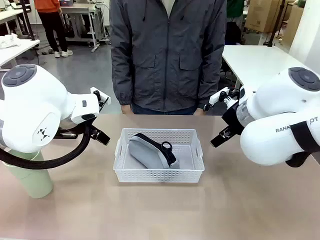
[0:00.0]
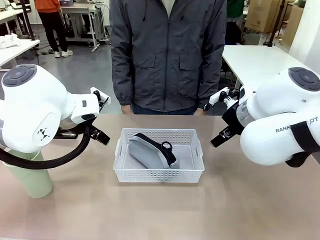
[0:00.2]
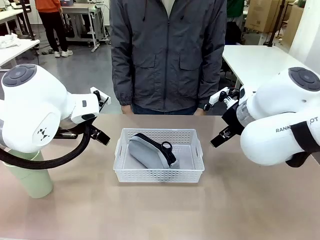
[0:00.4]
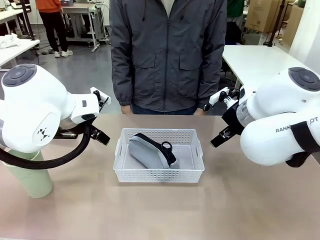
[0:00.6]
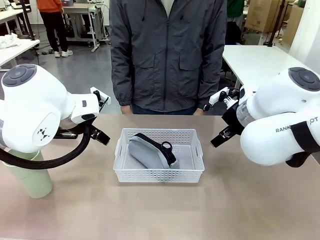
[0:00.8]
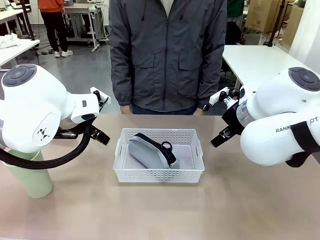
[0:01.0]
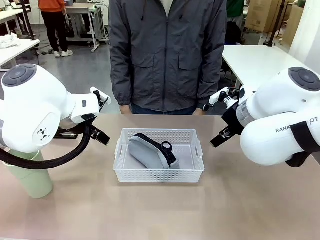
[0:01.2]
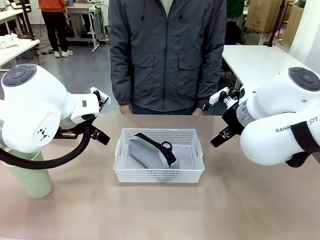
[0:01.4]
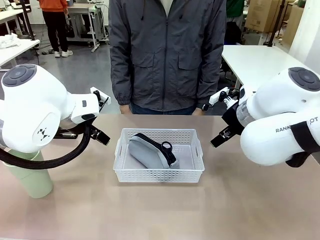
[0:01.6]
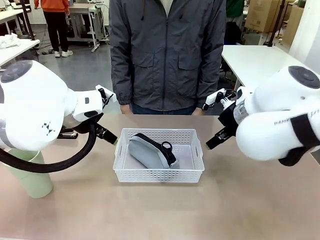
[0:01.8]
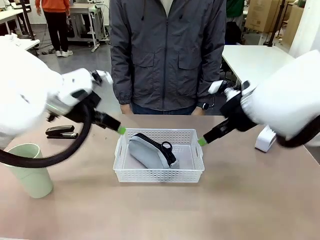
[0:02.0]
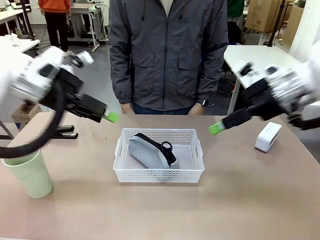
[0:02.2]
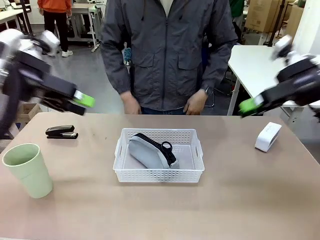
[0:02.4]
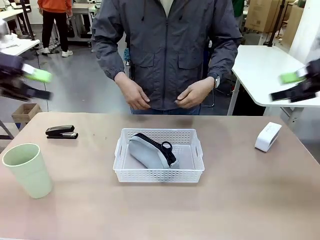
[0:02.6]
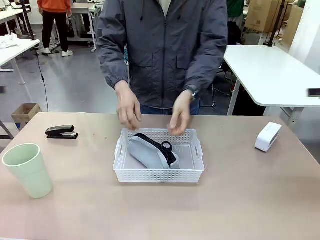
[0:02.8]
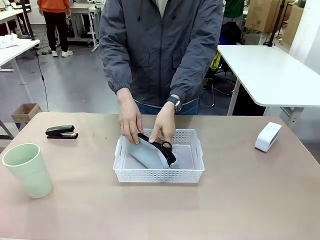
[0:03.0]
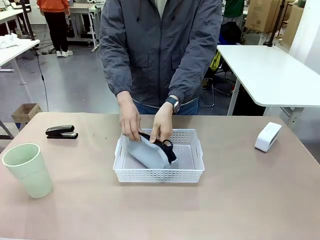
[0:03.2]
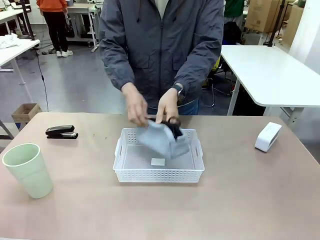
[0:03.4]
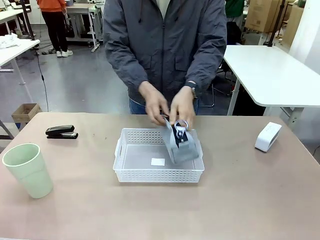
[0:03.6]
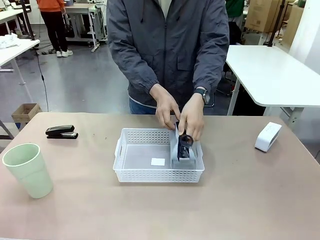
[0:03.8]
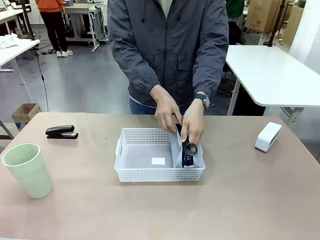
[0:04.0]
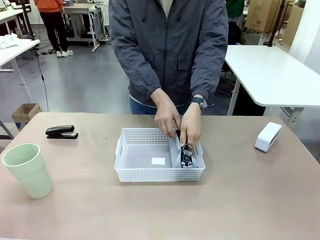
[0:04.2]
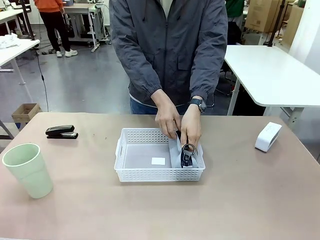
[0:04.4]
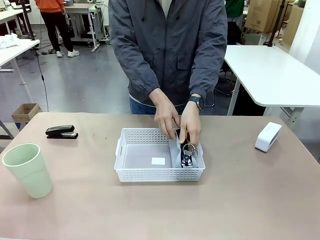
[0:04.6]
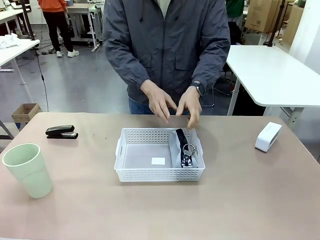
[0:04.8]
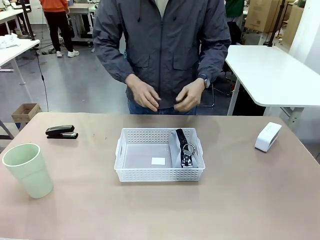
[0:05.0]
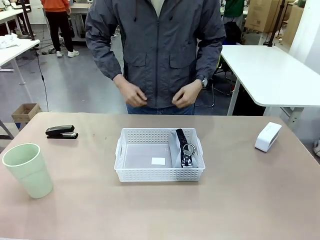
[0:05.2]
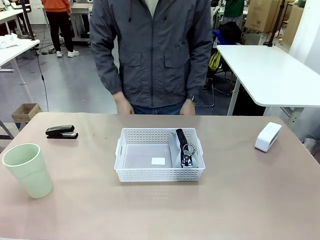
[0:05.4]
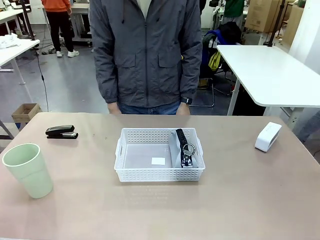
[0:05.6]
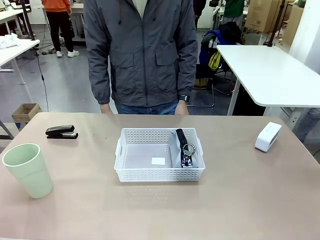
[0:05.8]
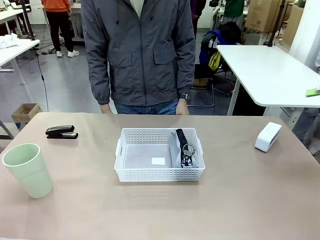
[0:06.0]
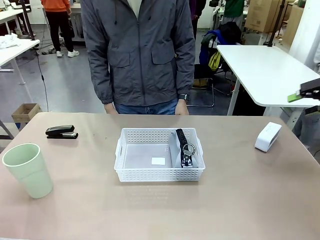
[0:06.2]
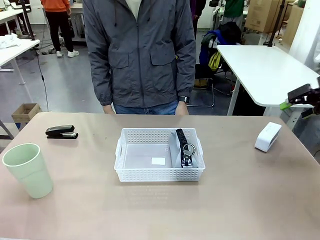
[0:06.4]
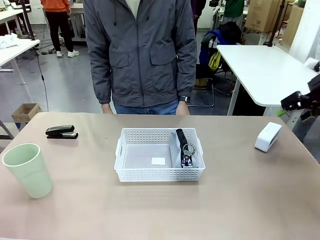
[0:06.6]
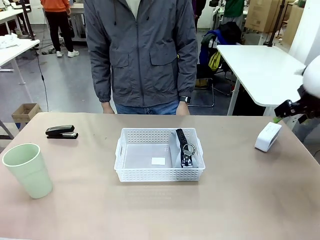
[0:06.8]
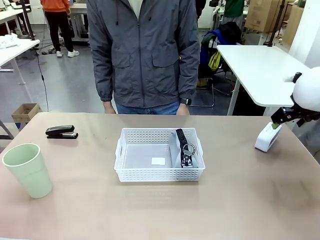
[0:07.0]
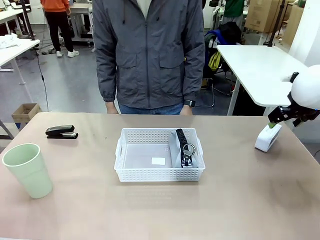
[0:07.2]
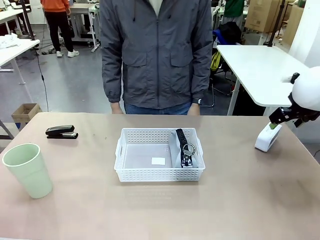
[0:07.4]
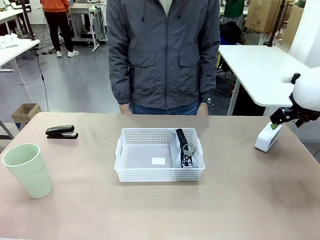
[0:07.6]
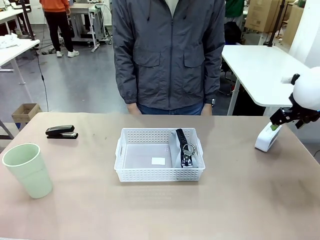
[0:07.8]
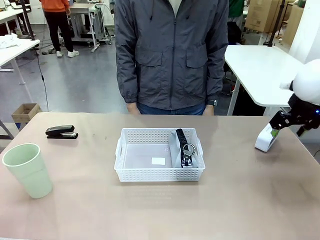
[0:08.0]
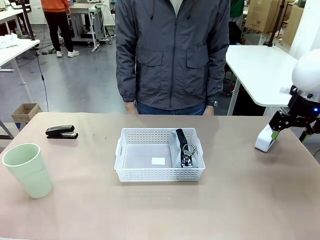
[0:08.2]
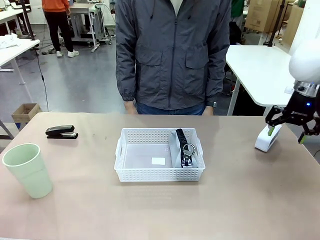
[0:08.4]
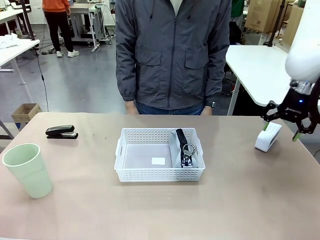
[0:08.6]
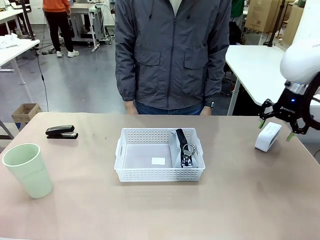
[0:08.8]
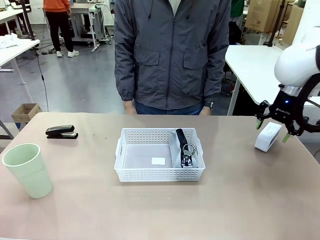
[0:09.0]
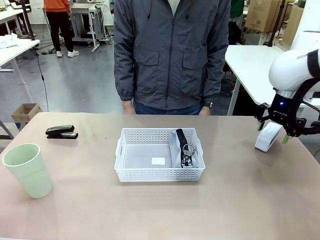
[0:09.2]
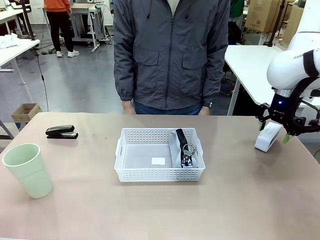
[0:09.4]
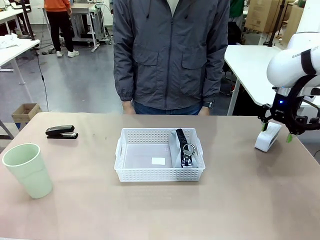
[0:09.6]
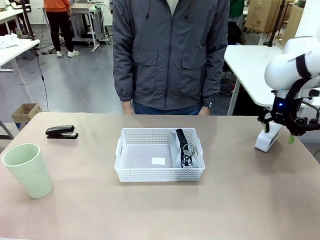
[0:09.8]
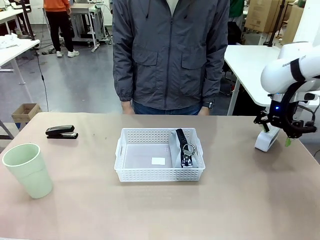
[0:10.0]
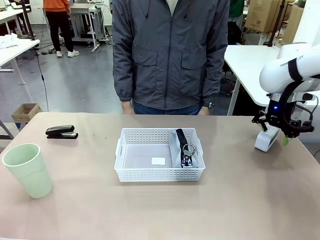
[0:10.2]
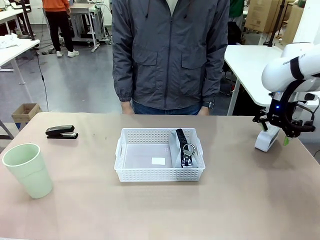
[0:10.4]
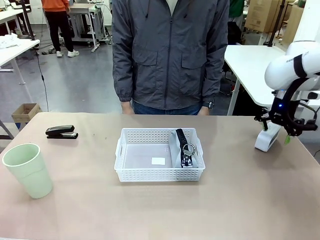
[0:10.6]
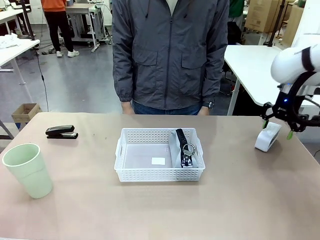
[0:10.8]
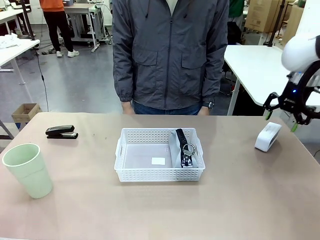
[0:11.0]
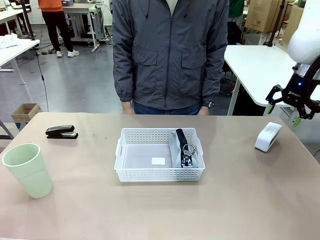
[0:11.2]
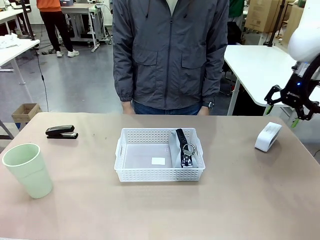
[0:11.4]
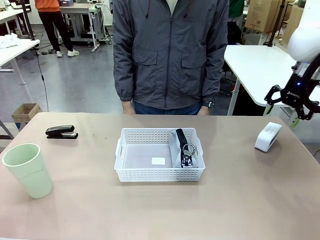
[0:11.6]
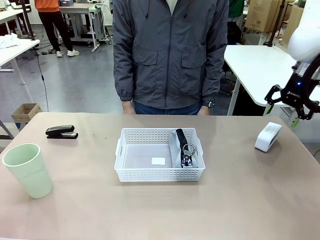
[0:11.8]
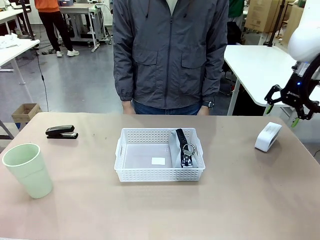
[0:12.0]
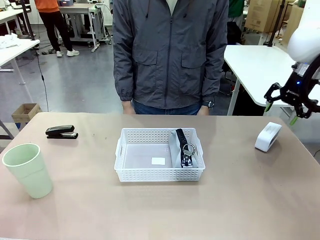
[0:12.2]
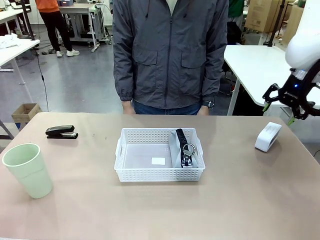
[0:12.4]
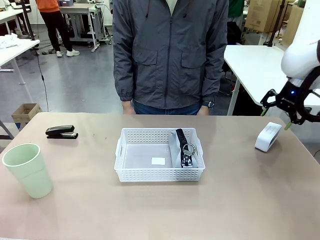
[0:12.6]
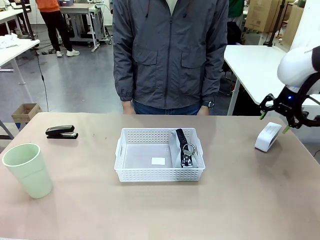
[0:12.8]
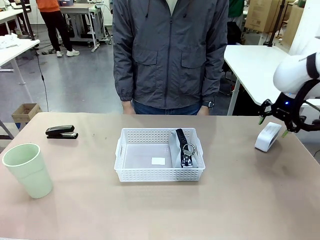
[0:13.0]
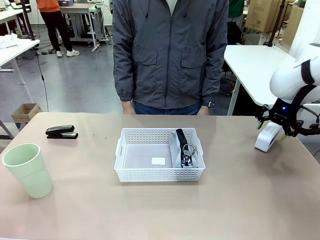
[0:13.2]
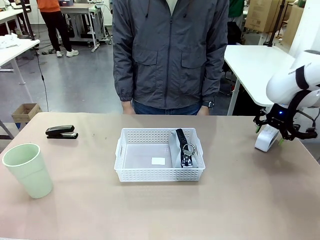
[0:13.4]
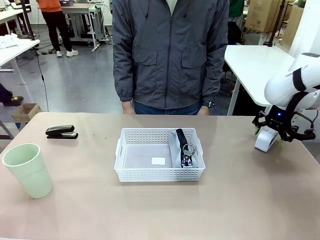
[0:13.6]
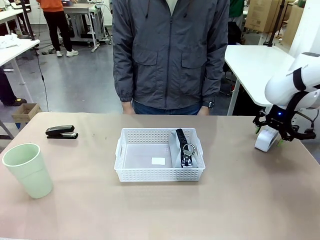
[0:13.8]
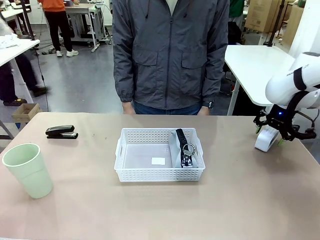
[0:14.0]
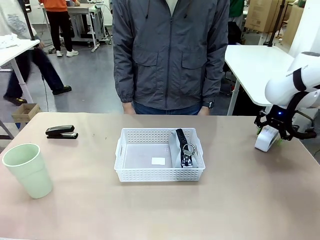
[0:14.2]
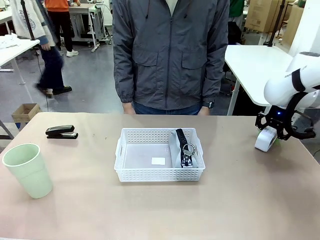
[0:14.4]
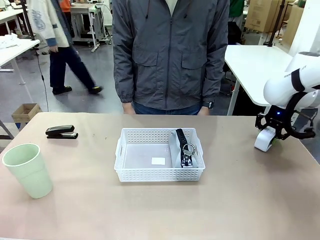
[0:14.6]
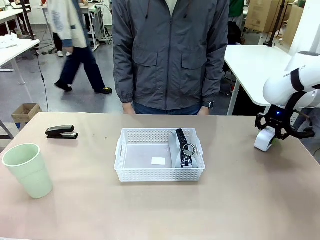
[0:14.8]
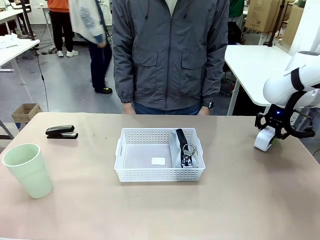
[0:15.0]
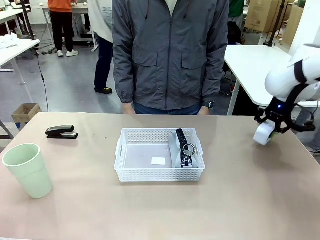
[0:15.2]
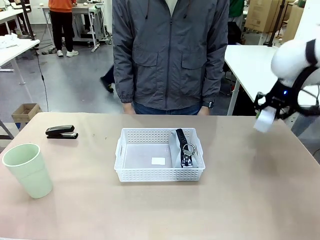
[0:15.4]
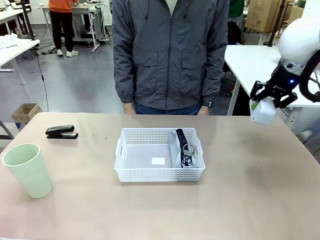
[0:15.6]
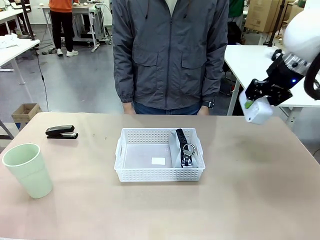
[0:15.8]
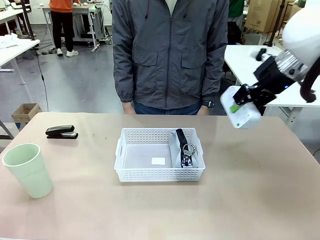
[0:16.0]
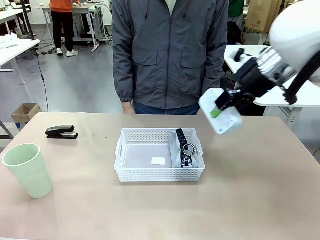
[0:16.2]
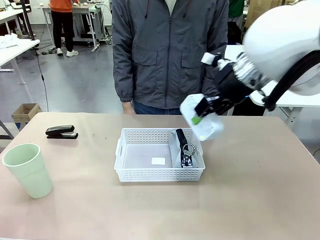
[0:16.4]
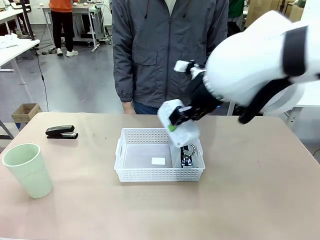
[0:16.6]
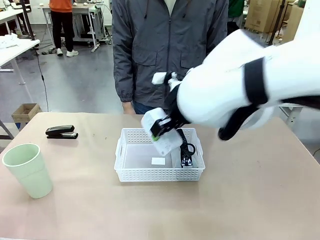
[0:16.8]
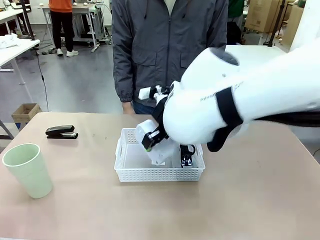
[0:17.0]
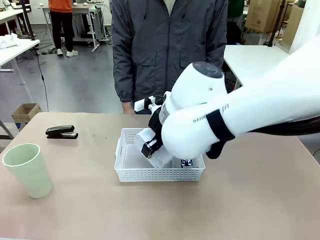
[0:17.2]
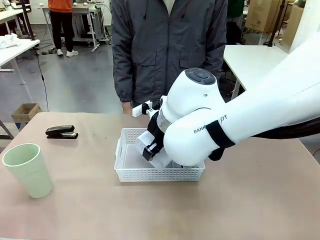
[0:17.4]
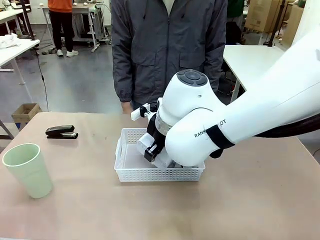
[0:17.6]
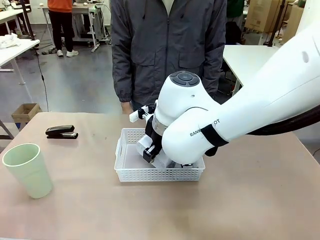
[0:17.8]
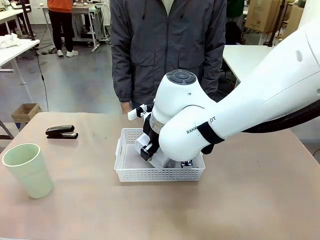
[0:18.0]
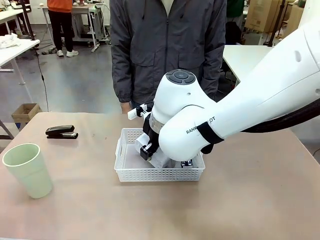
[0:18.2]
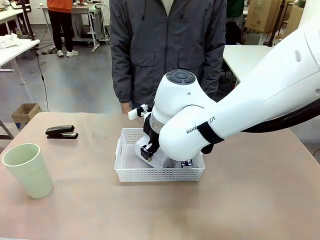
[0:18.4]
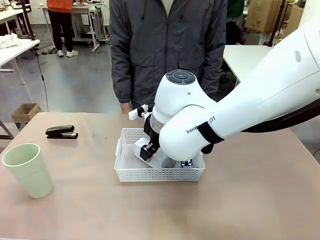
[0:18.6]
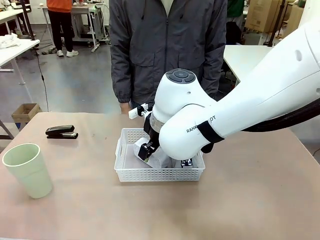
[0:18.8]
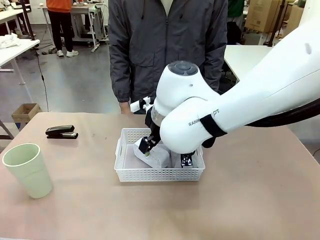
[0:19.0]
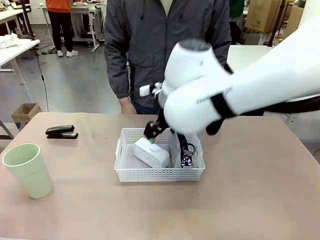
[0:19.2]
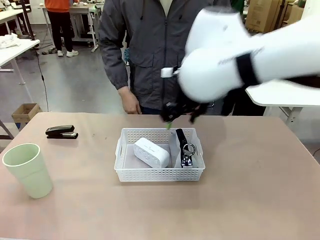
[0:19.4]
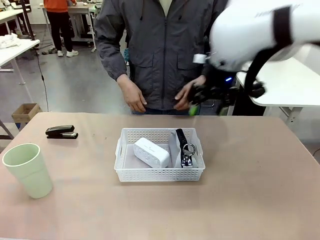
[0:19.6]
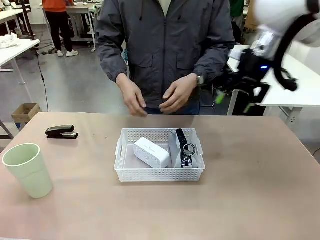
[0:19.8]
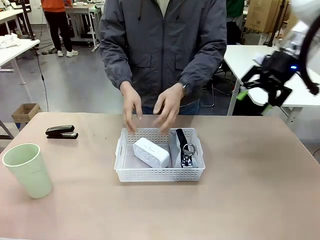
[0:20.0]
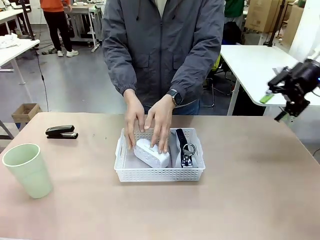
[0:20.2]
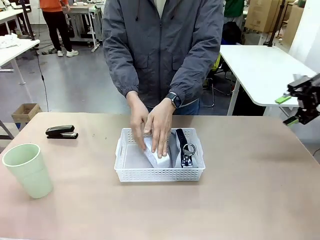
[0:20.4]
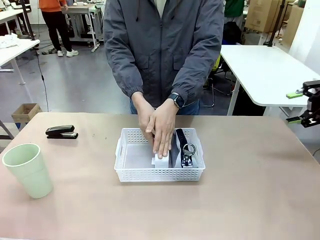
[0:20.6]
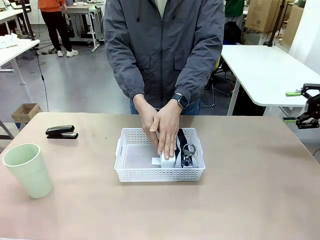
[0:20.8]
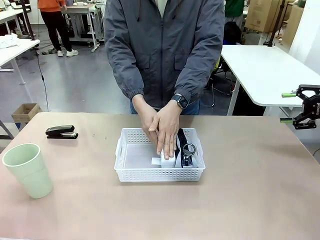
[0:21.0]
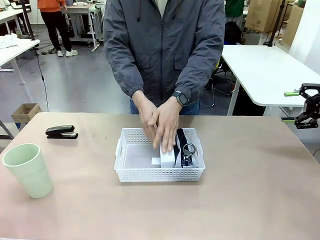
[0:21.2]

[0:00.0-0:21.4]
Task: Efficiently arrange items inside the basket to fit them all.
Robot: Pick up the Digital clock and place it inside the Organizing basket.
Person: Repositions the pencil case. Repositions the digital clock.
